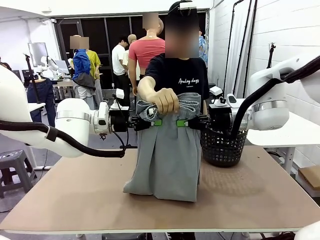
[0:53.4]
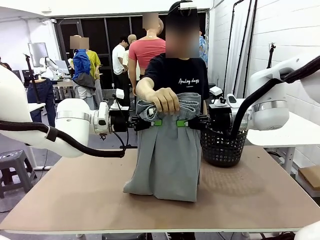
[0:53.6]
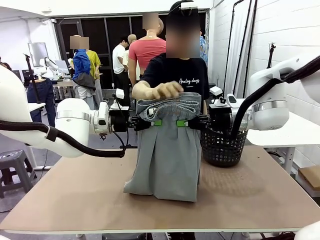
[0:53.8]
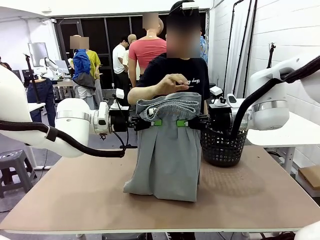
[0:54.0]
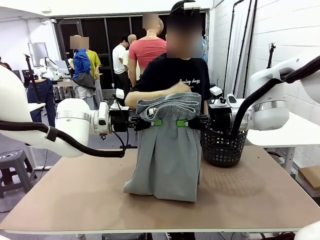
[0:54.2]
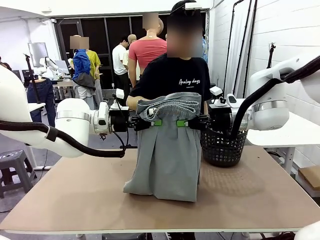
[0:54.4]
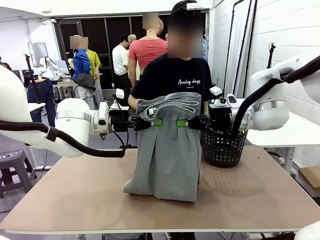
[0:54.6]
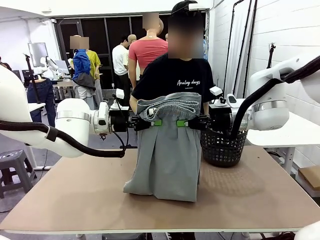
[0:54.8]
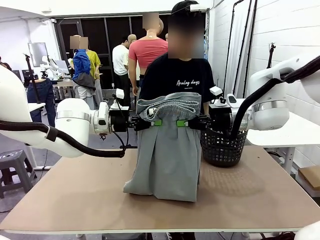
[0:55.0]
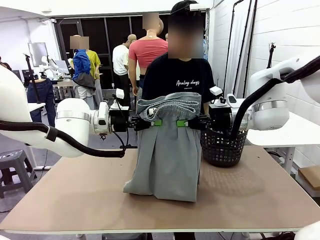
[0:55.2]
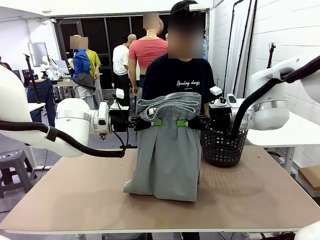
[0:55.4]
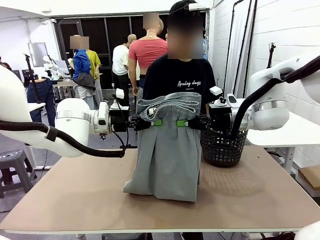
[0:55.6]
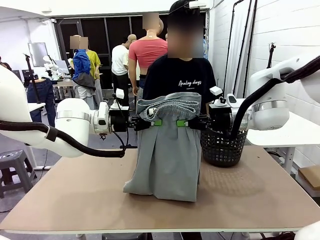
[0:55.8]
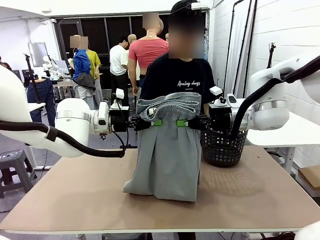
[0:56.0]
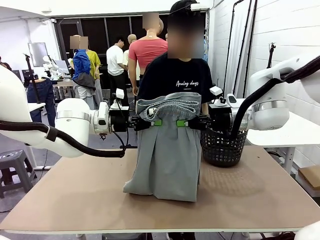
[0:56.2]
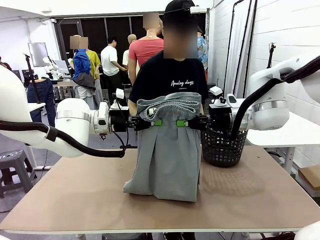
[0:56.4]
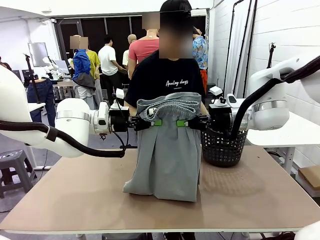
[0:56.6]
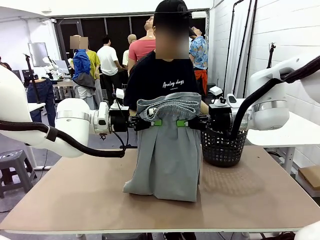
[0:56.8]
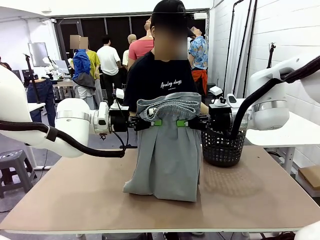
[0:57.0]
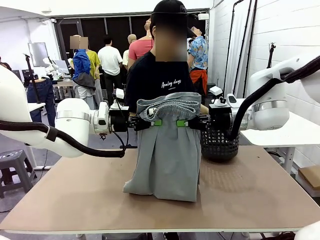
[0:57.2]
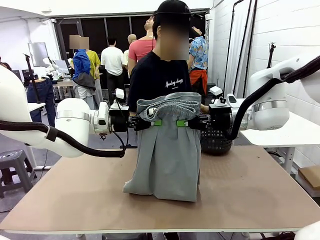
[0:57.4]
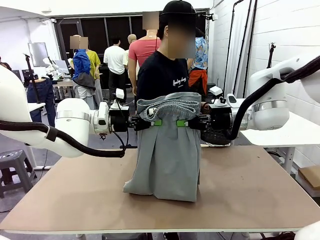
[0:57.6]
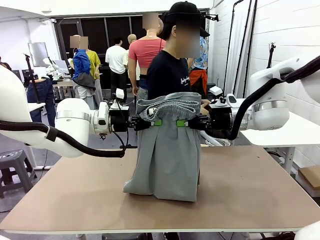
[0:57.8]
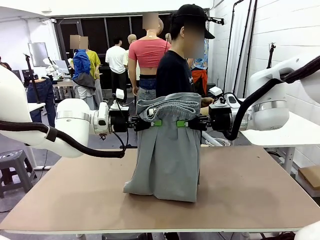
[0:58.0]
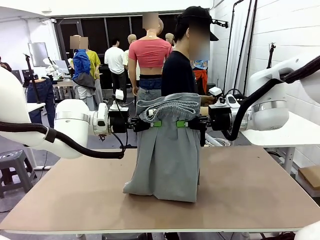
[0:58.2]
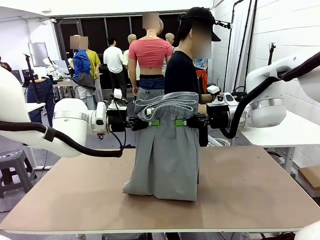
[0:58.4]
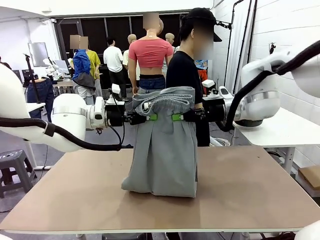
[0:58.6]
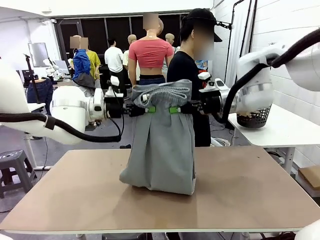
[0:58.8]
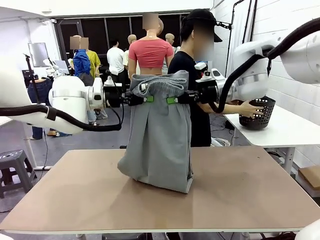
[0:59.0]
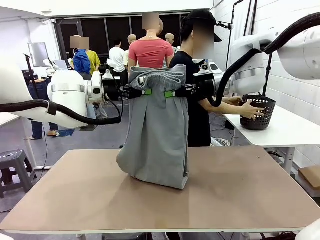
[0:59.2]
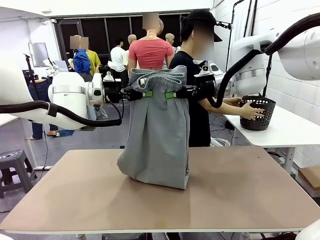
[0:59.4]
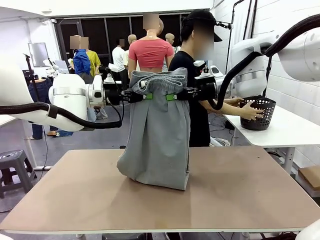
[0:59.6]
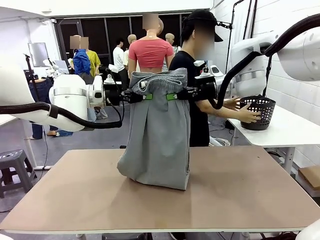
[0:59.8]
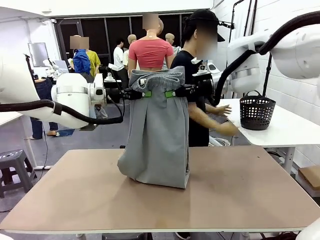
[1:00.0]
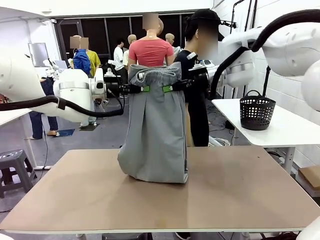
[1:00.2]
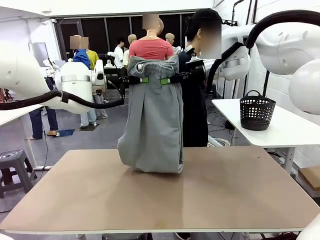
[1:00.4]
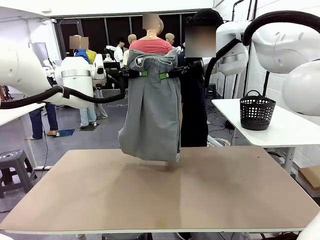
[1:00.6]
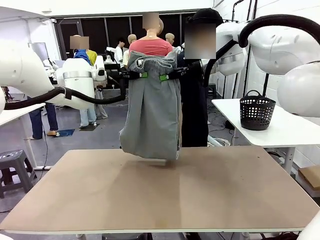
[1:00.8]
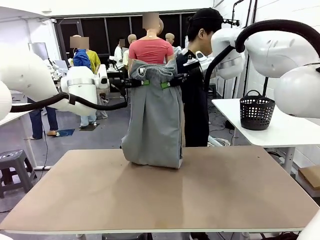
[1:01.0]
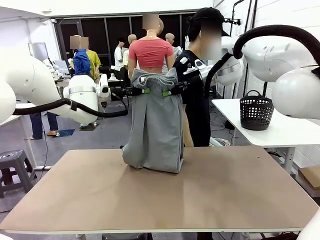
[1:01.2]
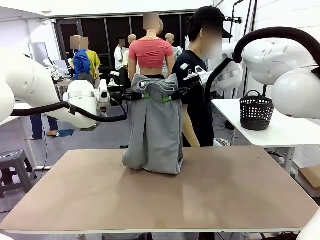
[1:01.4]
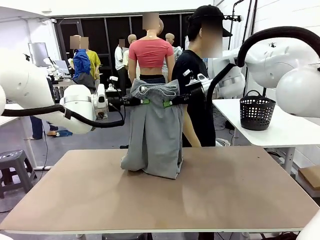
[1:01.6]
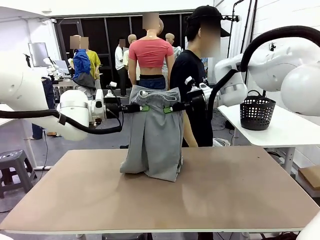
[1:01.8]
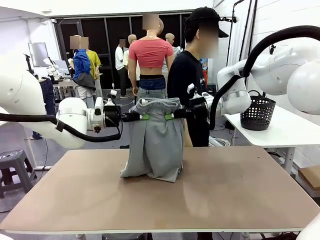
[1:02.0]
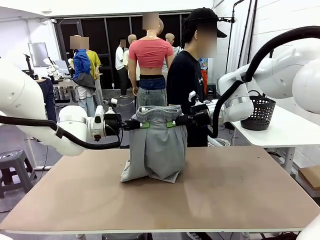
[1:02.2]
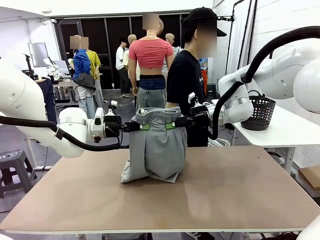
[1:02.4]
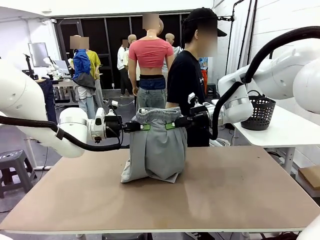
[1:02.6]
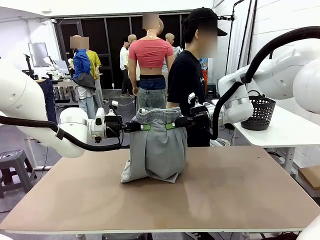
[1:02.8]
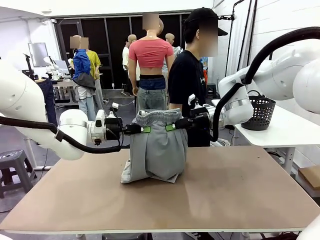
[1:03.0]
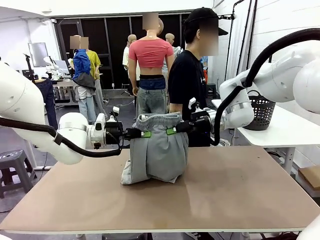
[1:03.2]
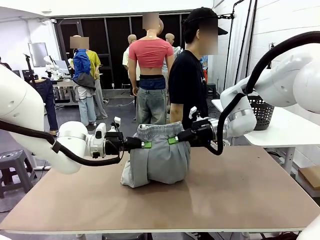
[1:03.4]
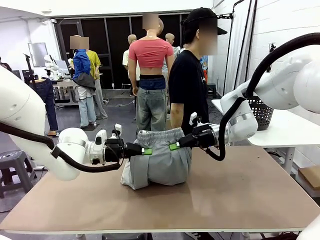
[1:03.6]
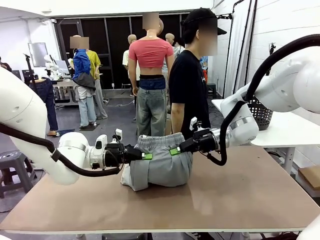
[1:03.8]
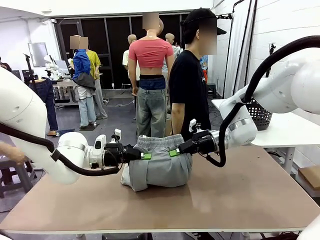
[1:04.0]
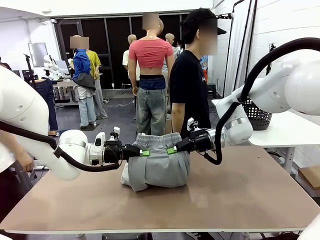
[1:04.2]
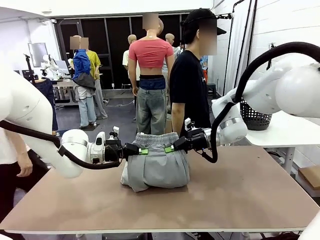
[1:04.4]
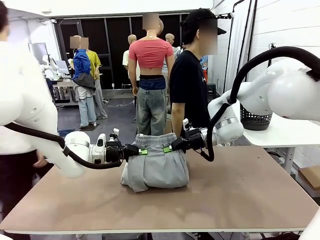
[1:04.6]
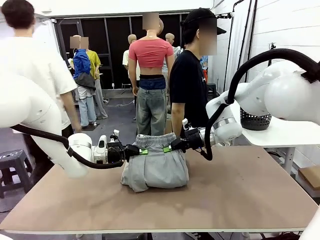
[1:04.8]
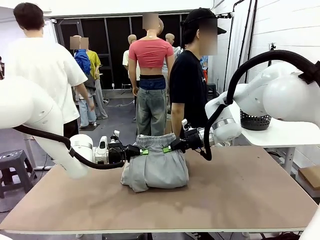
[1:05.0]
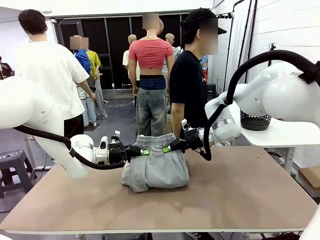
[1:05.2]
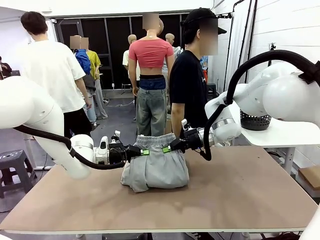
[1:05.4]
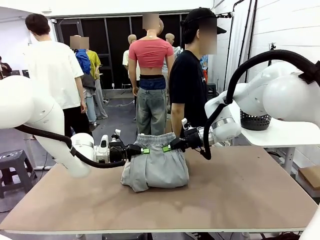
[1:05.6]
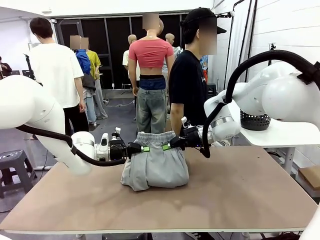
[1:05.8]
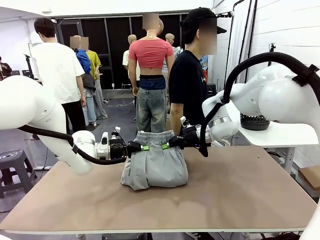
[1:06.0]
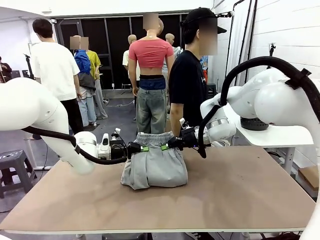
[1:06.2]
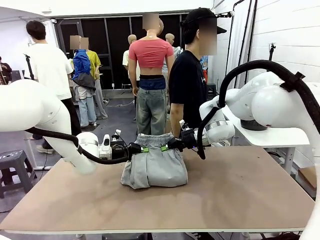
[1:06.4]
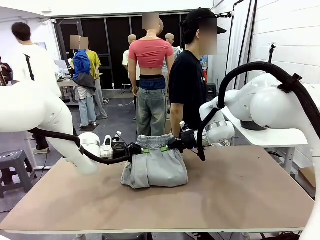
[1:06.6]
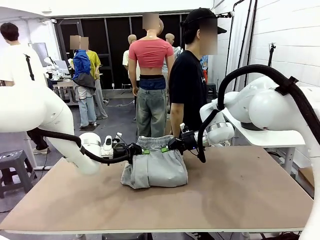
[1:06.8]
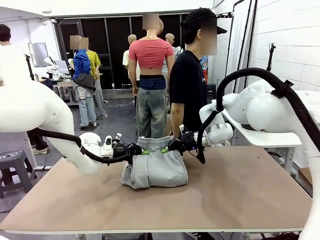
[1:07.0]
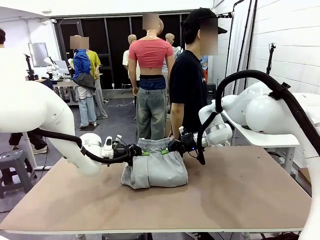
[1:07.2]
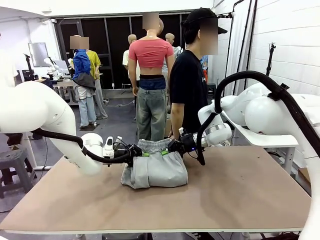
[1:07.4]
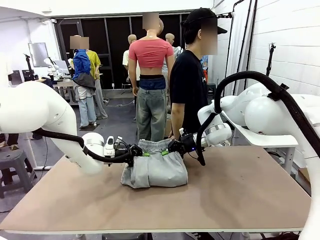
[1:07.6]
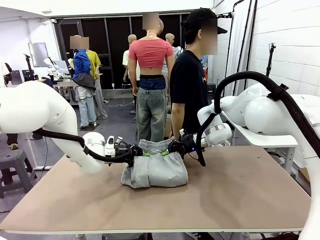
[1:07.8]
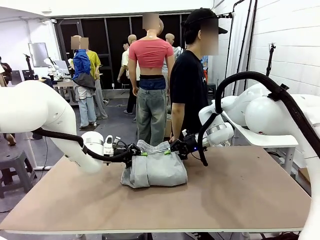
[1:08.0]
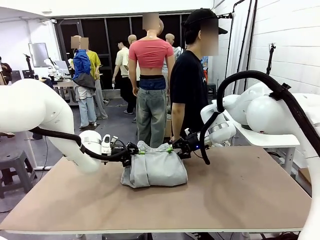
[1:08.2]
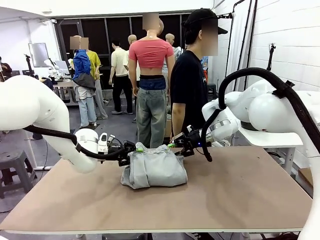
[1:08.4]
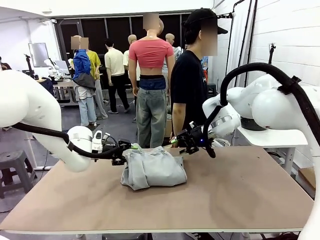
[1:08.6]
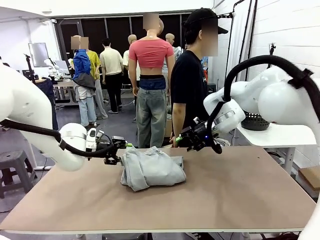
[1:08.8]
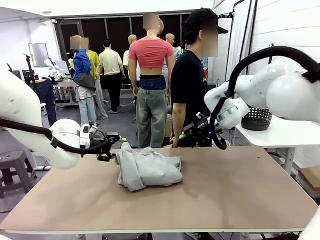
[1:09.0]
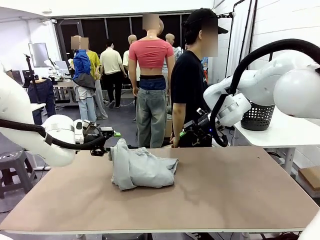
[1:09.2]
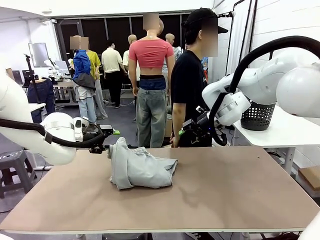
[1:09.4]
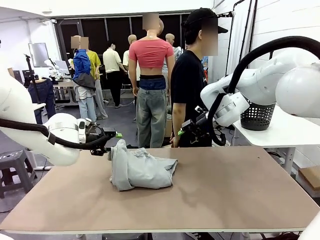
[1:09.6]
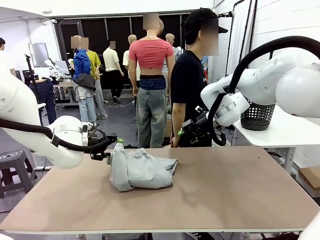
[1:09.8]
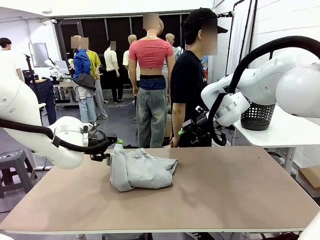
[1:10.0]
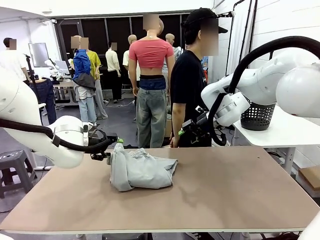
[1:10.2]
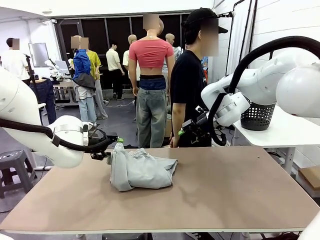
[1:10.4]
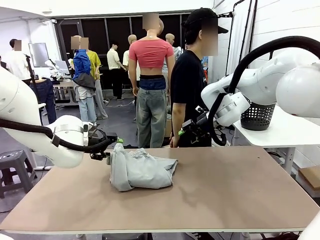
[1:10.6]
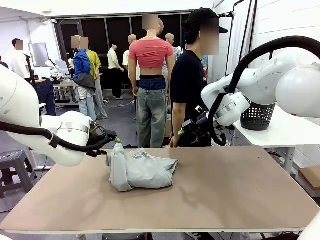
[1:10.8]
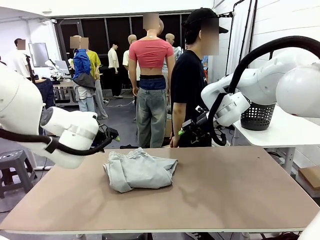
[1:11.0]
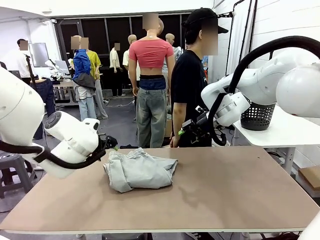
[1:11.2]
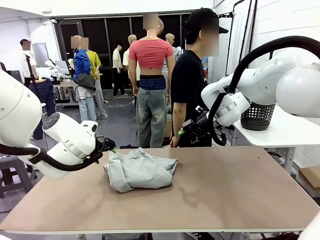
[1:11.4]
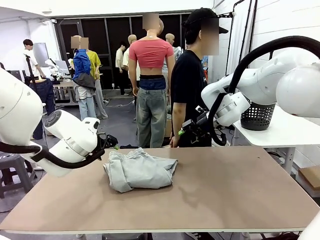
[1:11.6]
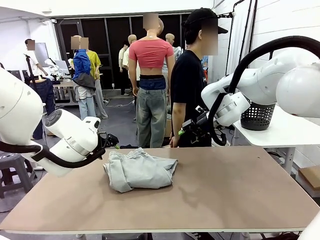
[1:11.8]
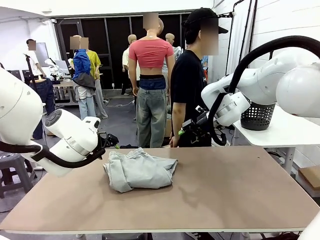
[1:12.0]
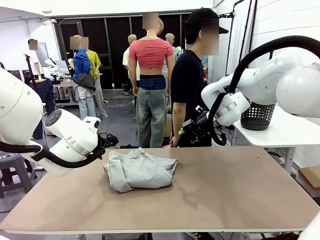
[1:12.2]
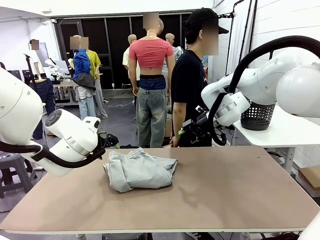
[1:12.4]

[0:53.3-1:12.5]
Task: Fold the training pants.
Robot: Fold the Training pants in half.
Person: Move the laundry basket to the right of the human table.
